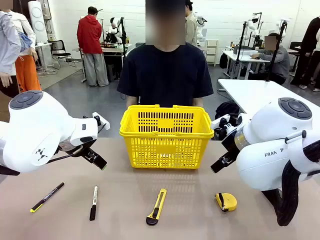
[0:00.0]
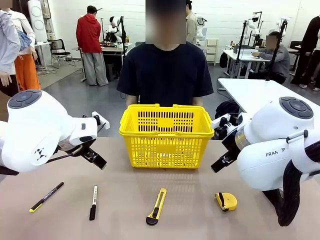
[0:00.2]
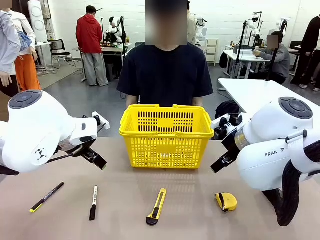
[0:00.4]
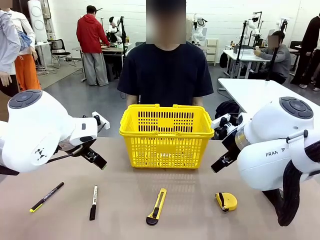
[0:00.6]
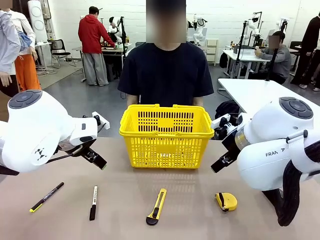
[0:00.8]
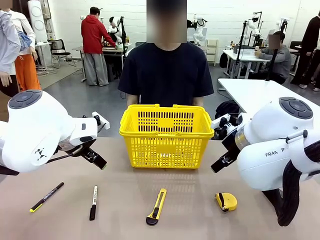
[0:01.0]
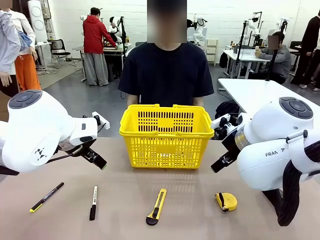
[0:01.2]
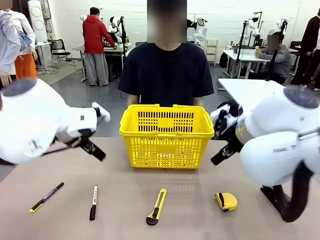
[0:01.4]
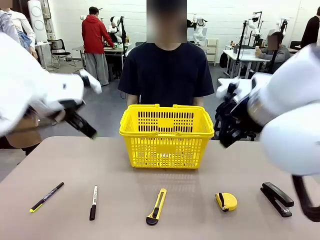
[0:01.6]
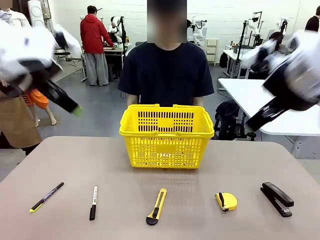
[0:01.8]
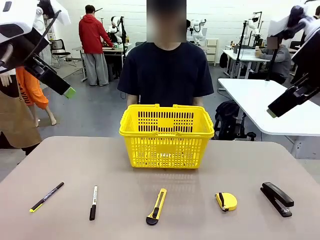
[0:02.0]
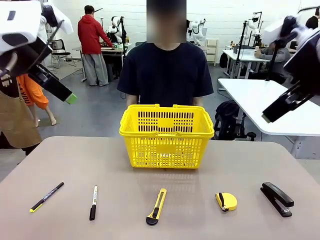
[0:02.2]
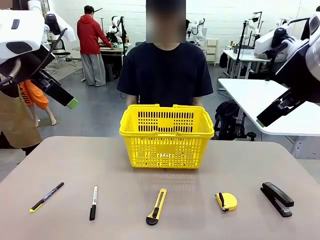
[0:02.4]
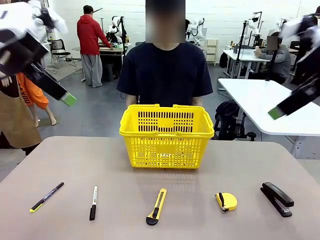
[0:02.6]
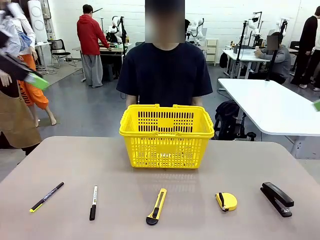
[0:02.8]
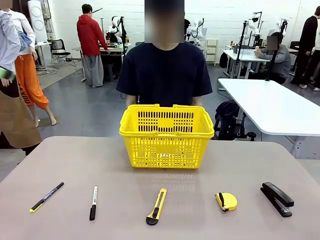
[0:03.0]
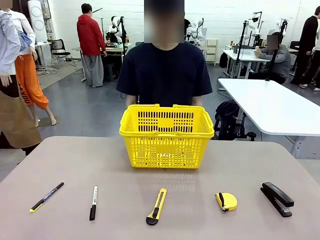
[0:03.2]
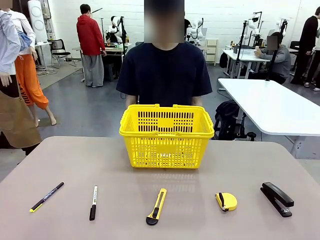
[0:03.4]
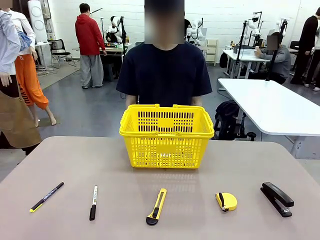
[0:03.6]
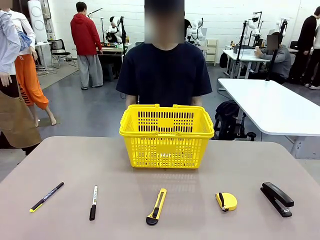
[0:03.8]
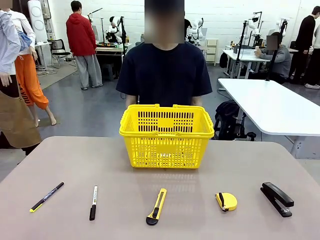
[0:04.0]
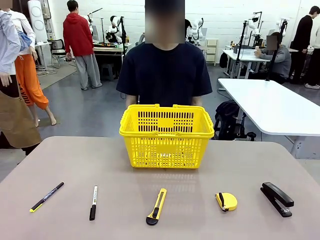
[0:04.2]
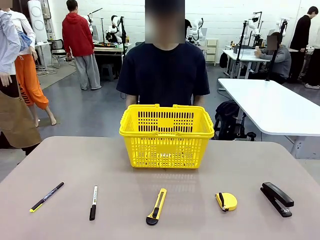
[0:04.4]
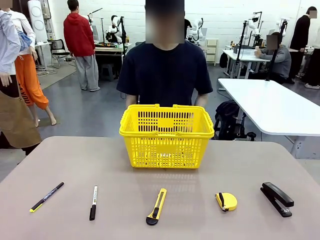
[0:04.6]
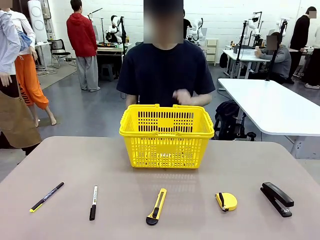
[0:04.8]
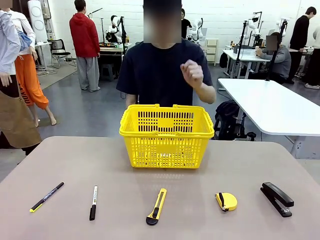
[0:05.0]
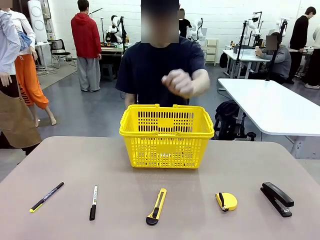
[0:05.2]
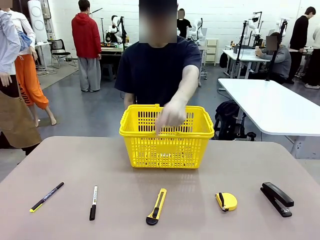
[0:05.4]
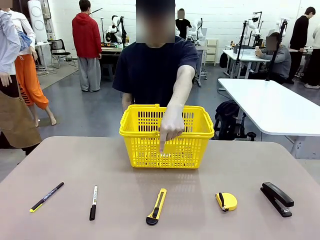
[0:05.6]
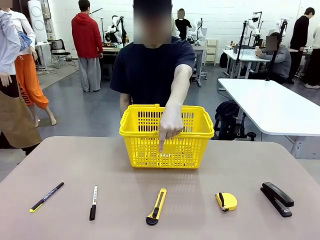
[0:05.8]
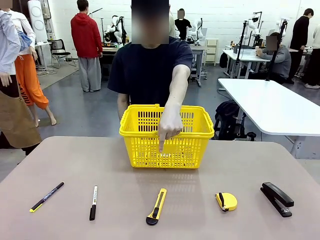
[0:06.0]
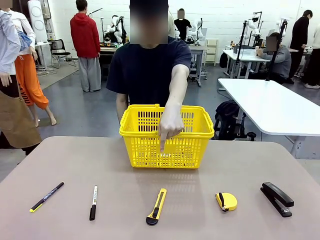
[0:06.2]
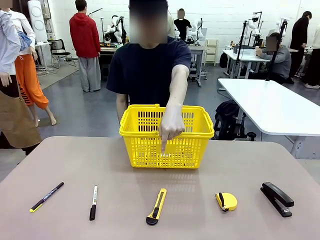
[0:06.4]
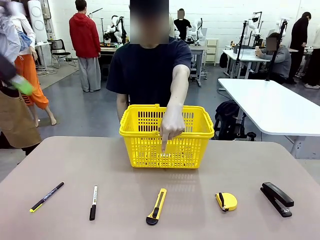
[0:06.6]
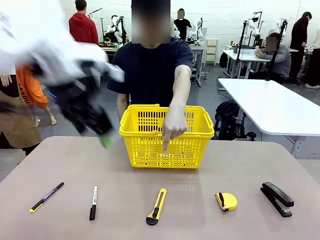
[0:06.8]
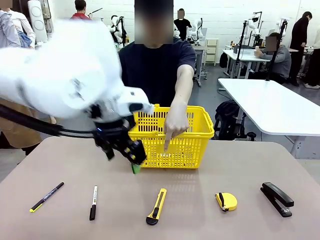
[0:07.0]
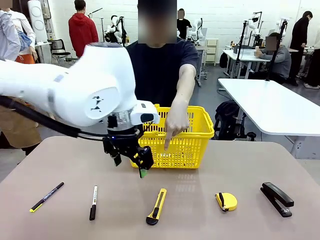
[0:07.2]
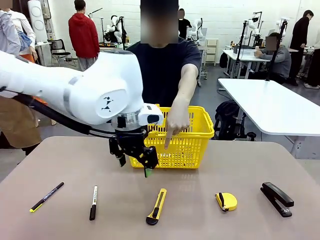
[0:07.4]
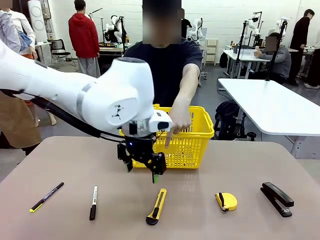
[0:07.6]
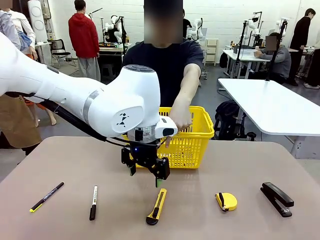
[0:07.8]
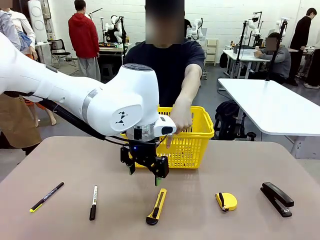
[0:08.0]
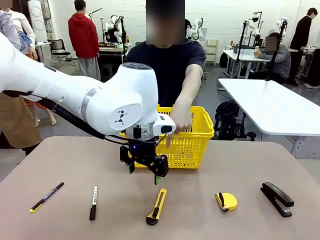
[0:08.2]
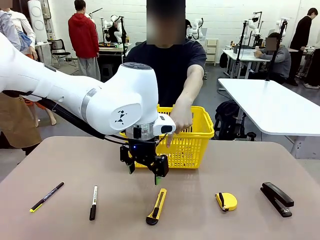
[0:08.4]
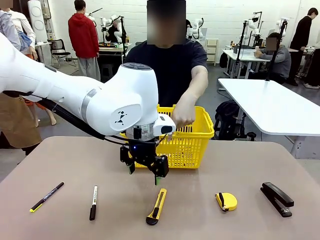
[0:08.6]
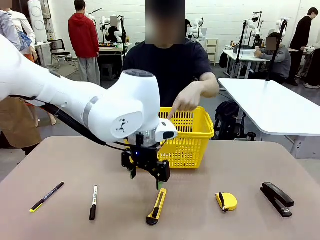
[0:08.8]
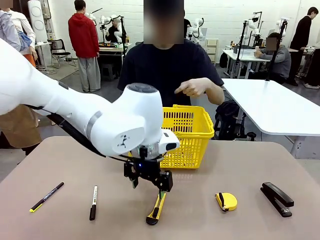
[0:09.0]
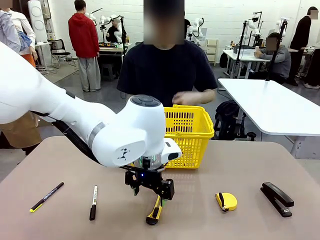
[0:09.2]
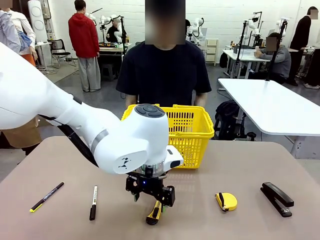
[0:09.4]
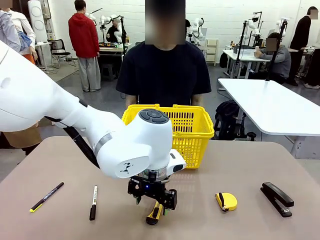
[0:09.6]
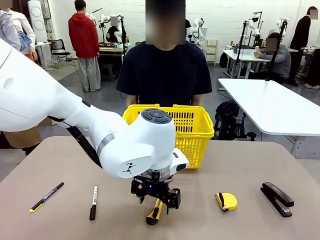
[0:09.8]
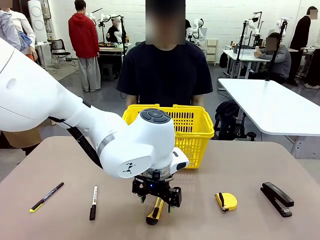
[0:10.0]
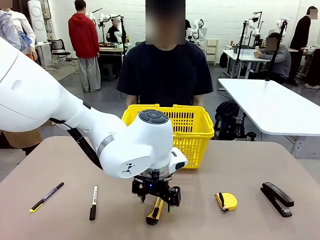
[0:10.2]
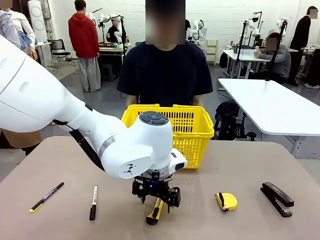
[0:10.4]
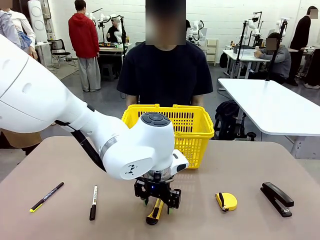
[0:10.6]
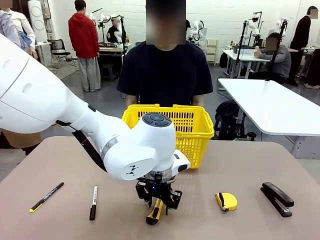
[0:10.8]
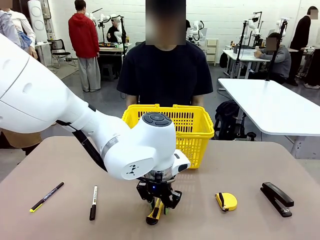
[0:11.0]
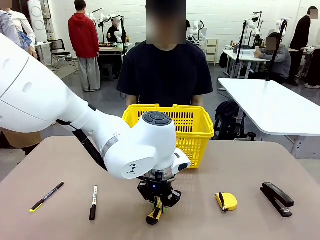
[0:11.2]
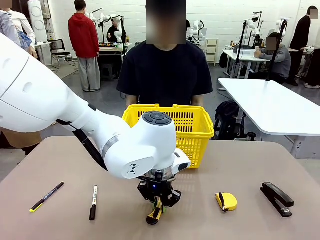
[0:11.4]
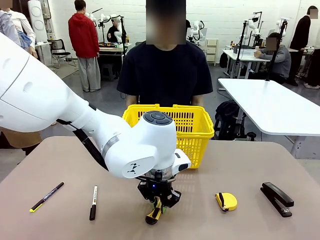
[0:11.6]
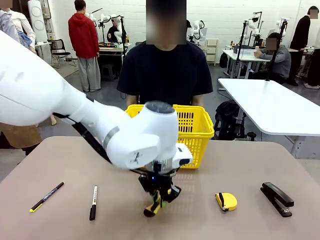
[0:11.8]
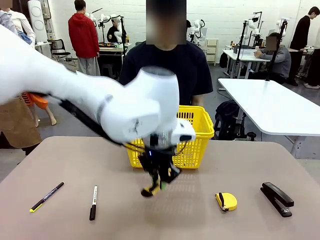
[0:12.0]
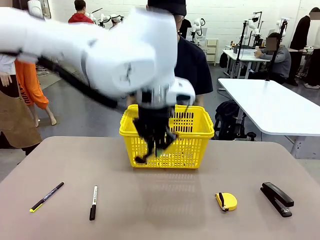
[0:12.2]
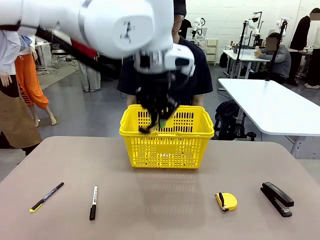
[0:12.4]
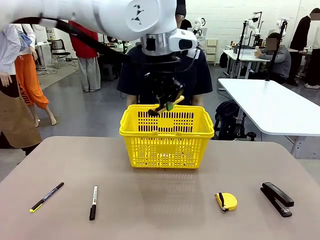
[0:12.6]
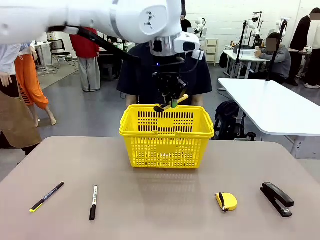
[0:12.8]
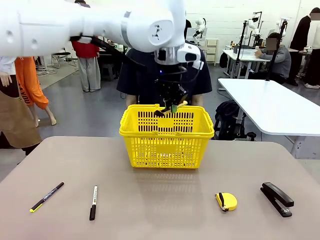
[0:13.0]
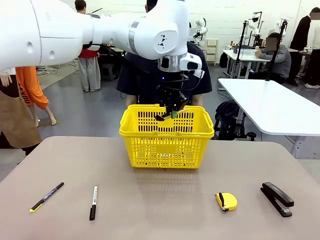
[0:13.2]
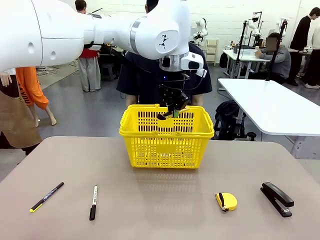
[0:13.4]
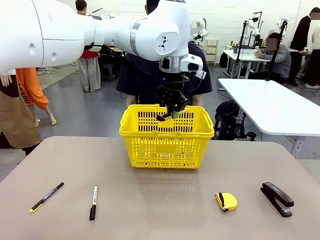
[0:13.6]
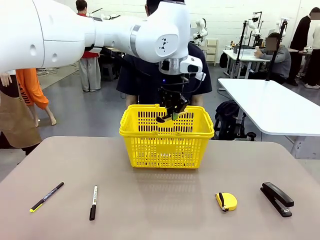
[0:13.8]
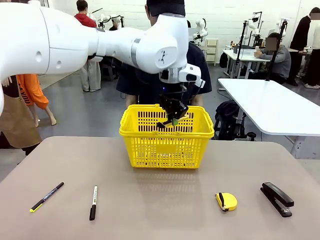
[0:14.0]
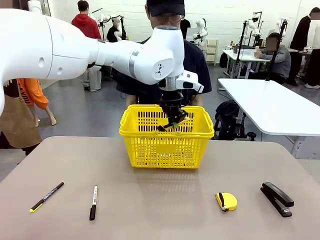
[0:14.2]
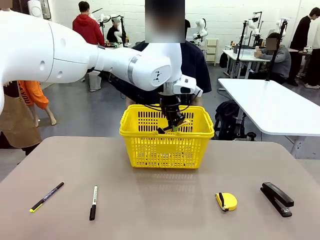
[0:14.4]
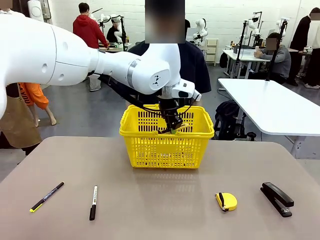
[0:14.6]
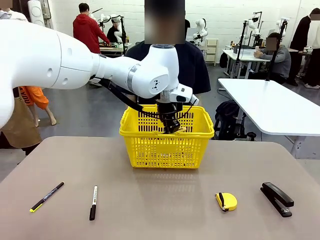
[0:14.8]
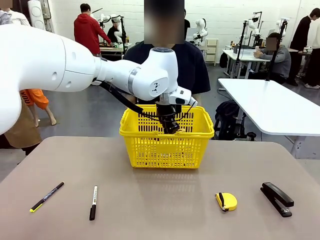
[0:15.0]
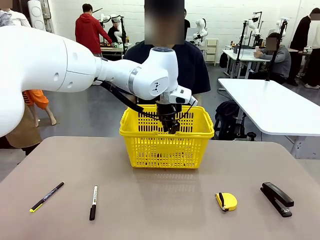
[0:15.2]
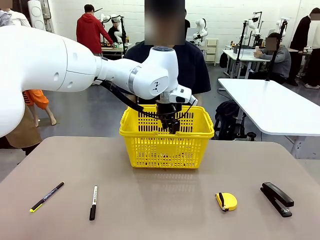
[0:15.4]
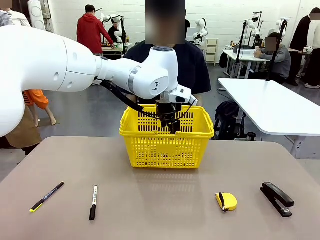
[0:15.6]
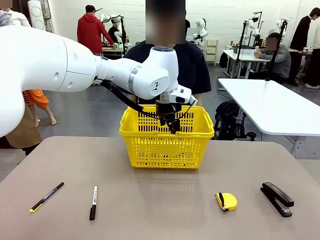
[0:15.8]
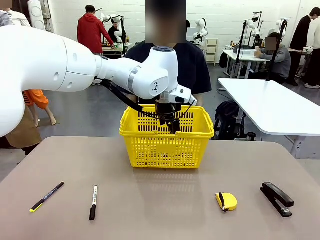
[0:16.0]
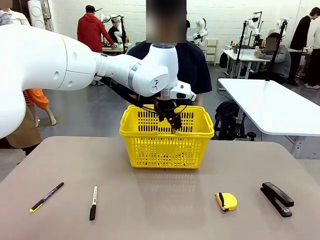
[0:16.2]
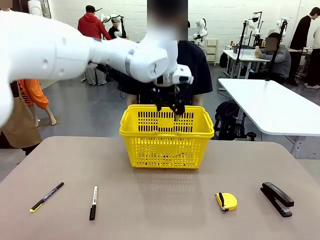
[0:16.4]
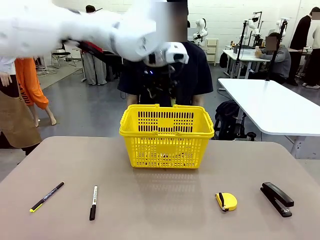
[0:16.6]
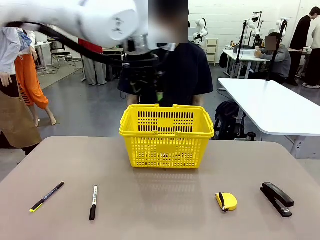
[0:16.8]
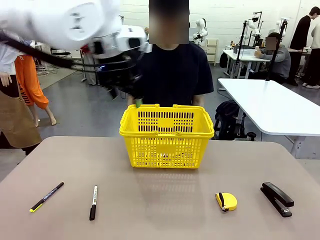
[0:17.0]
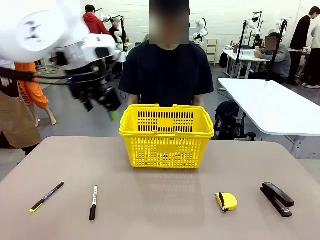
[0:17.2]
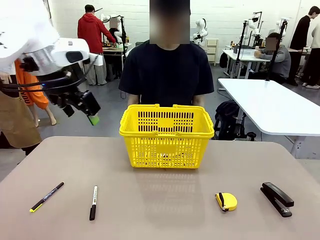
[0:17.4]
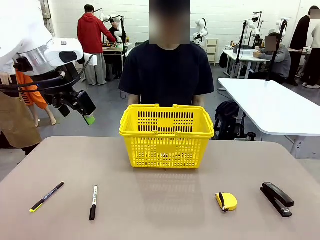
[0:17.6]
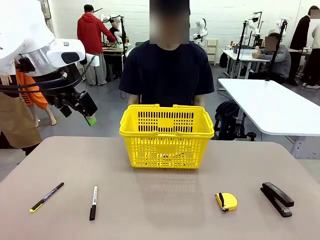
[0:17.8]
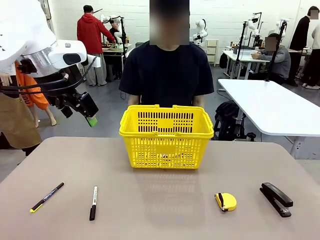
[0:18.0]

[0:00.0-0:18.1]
Task: Place the items the person wants into the basket.
Robot: Pick up the item the person points to and place it in the Market Basket.
